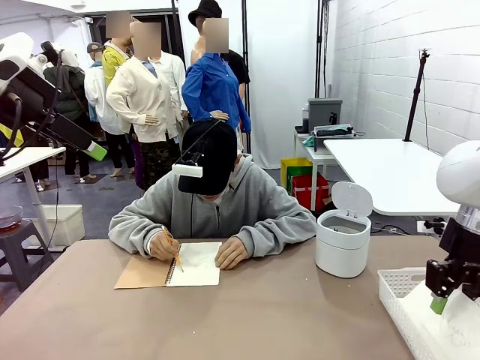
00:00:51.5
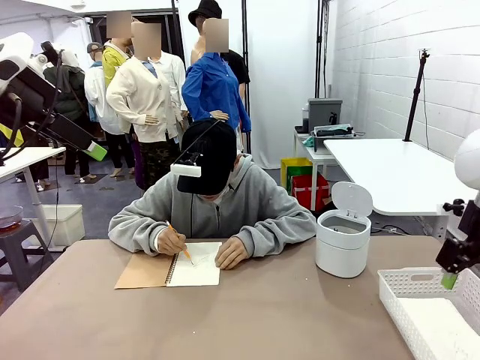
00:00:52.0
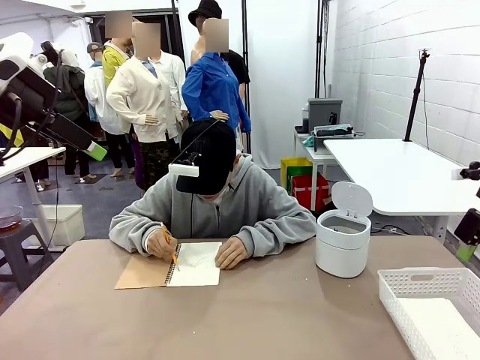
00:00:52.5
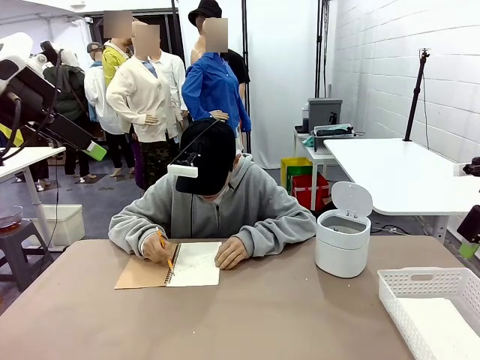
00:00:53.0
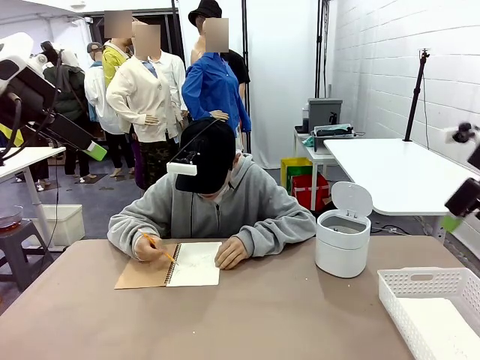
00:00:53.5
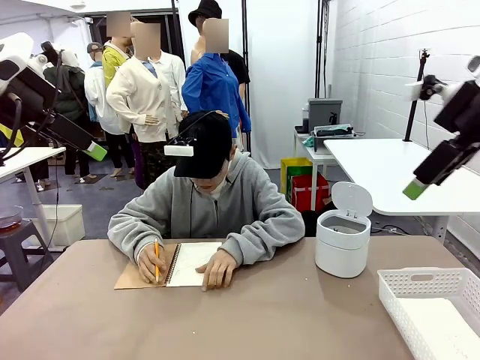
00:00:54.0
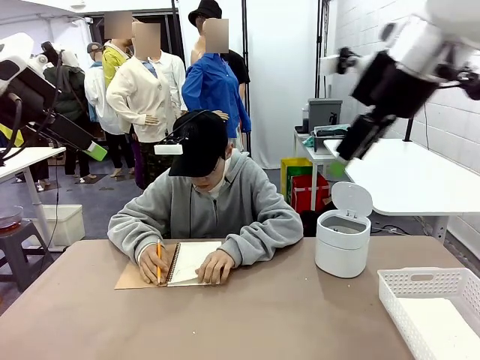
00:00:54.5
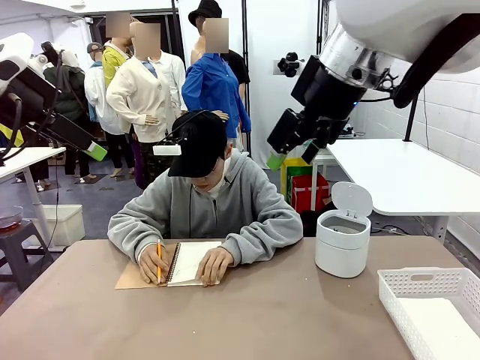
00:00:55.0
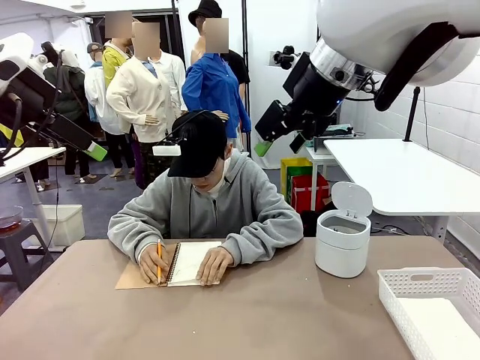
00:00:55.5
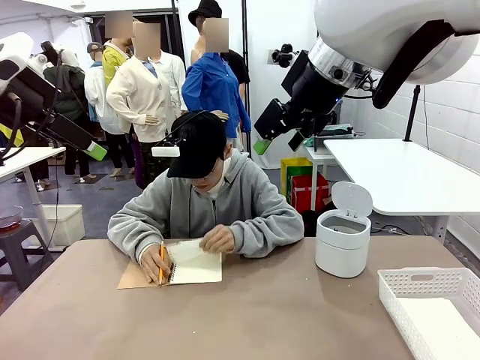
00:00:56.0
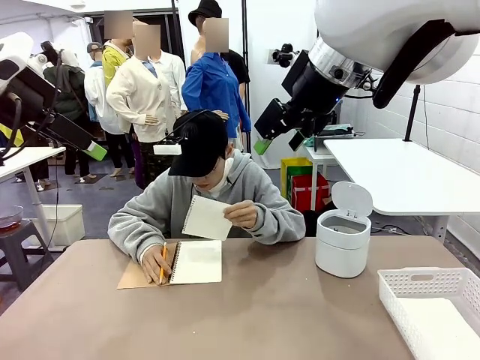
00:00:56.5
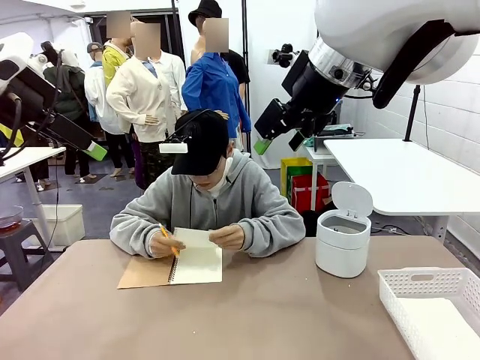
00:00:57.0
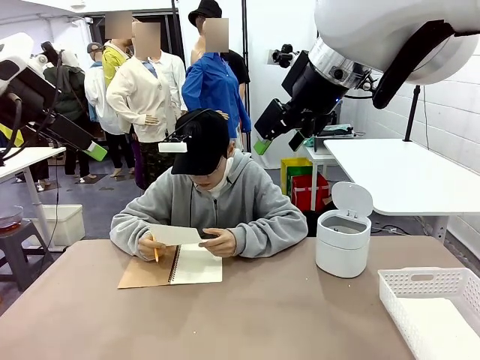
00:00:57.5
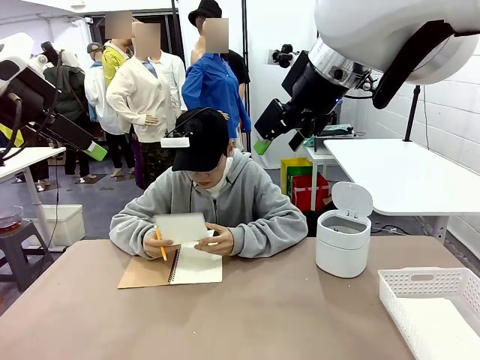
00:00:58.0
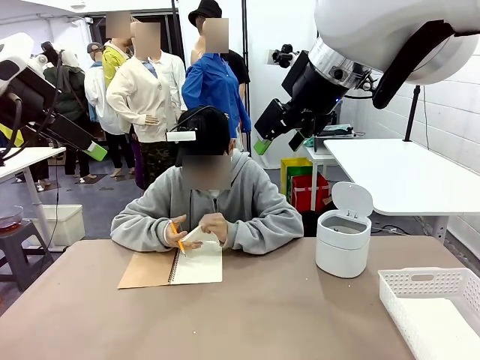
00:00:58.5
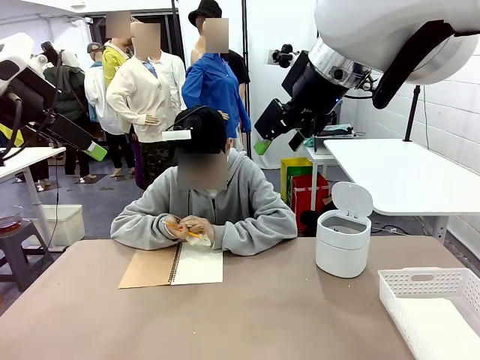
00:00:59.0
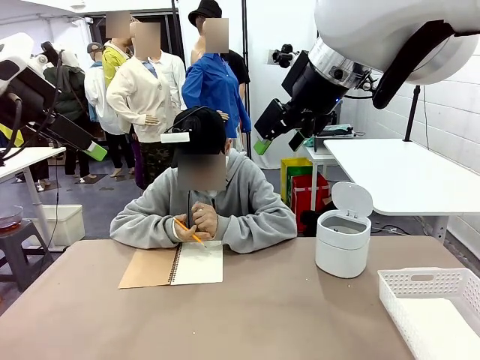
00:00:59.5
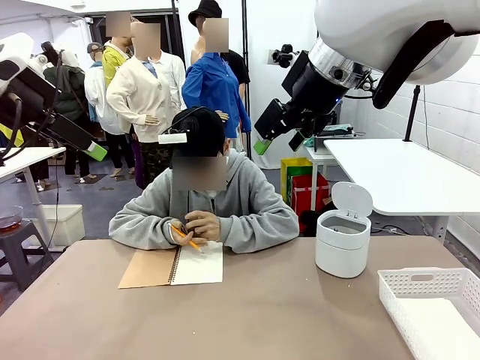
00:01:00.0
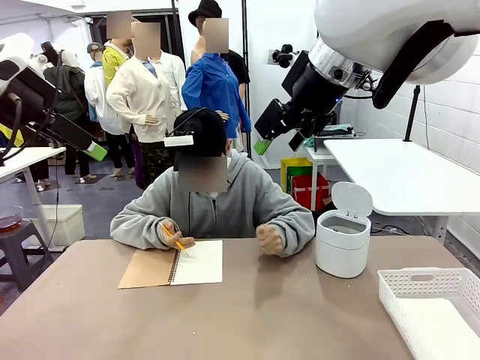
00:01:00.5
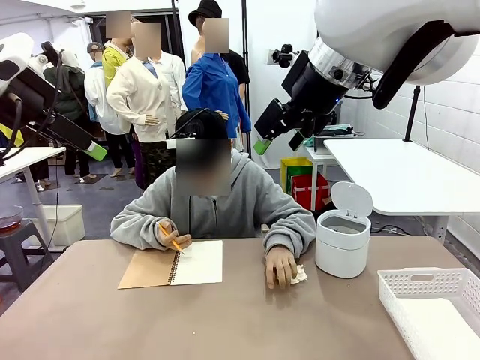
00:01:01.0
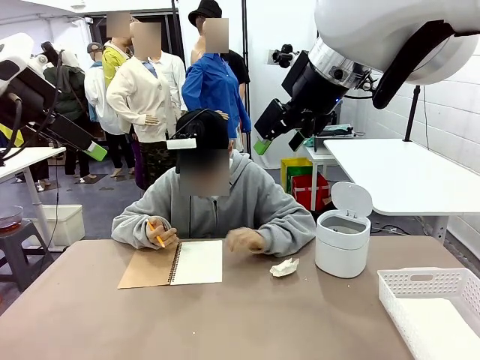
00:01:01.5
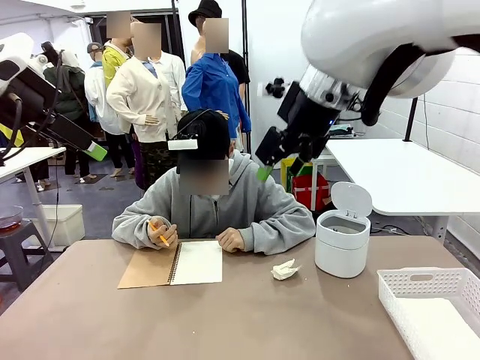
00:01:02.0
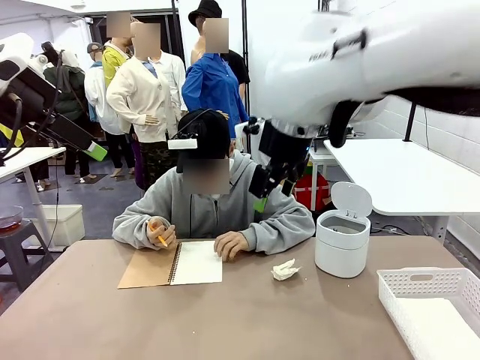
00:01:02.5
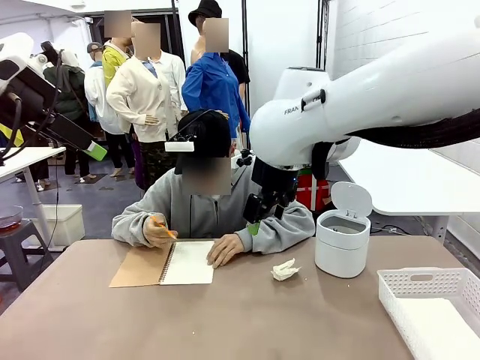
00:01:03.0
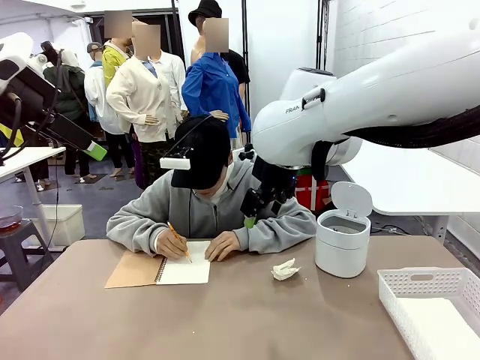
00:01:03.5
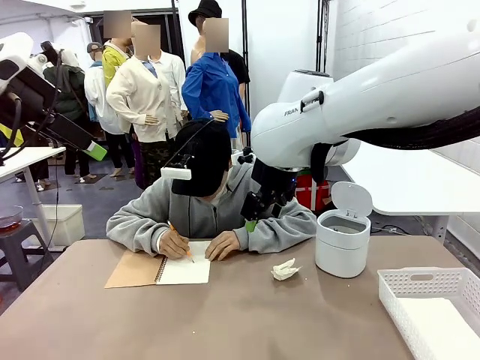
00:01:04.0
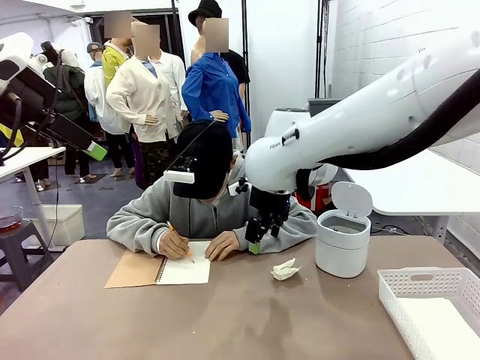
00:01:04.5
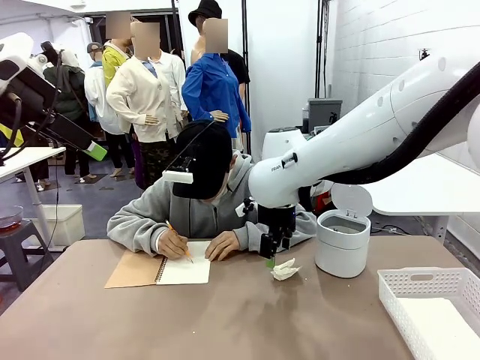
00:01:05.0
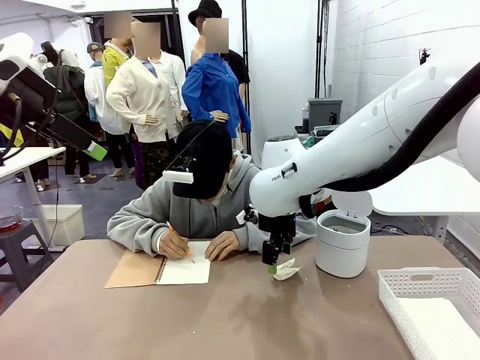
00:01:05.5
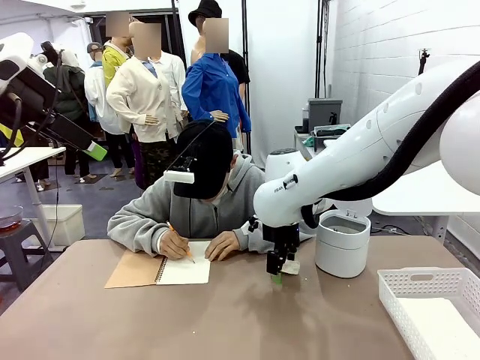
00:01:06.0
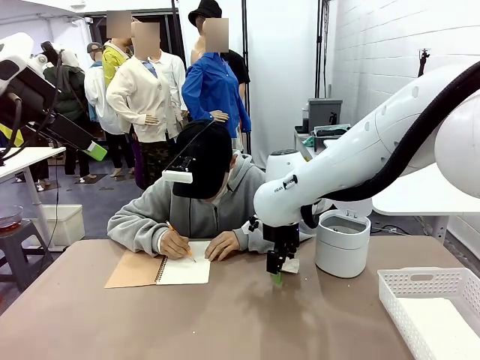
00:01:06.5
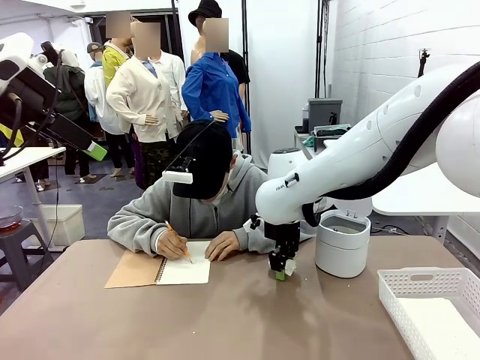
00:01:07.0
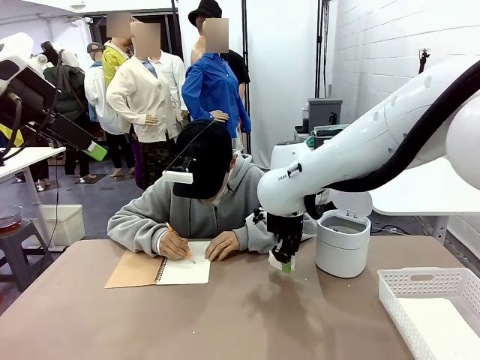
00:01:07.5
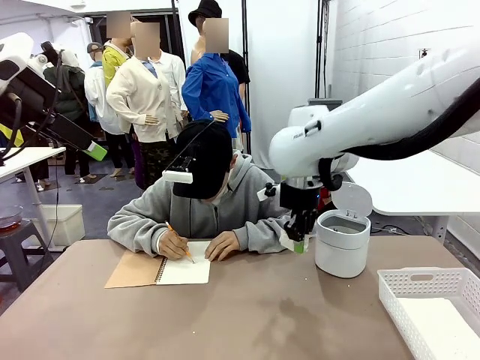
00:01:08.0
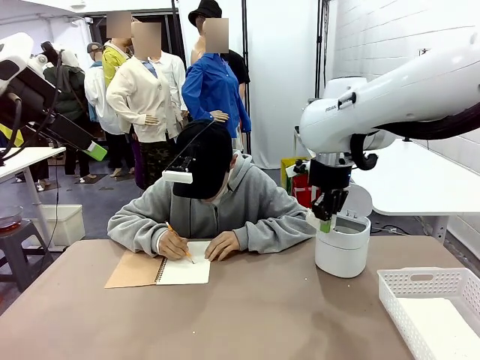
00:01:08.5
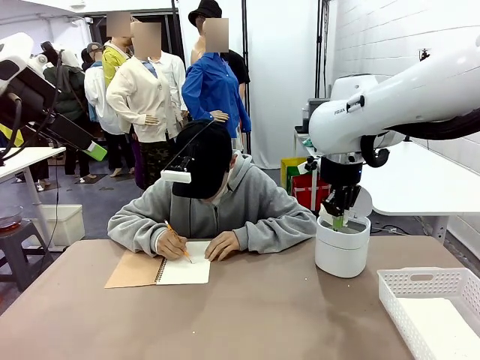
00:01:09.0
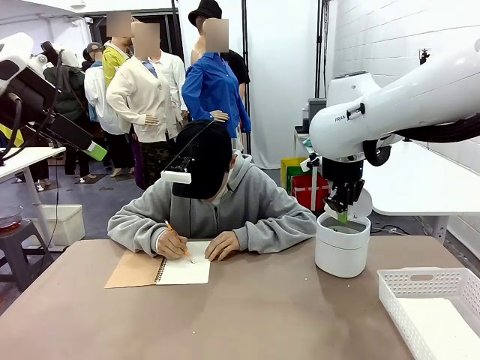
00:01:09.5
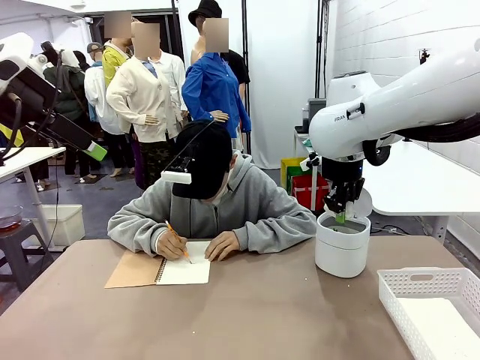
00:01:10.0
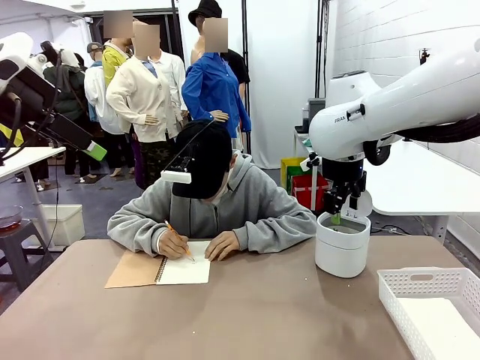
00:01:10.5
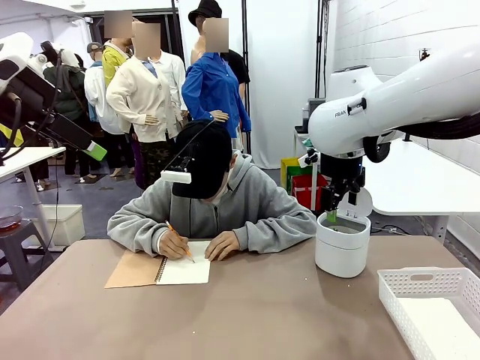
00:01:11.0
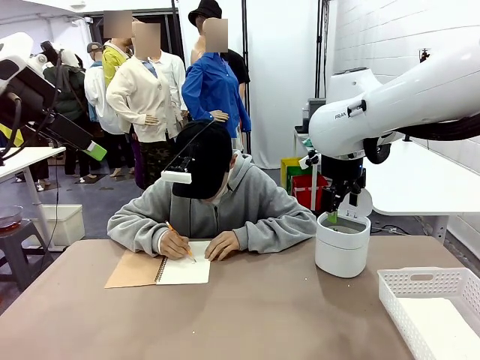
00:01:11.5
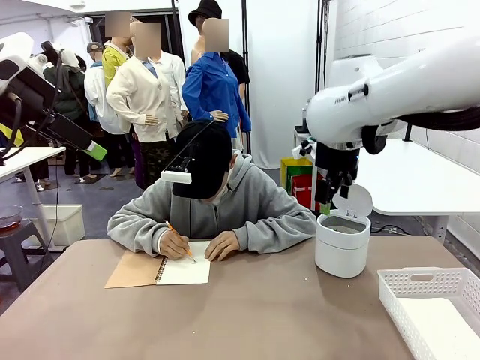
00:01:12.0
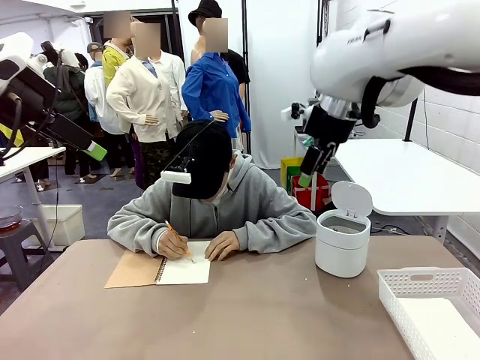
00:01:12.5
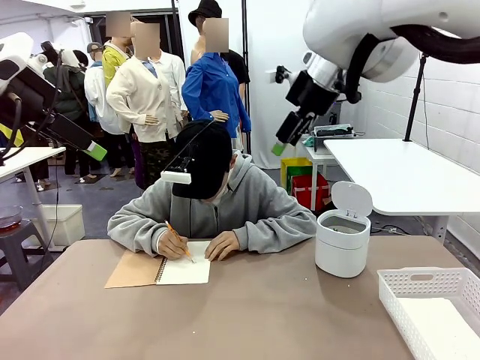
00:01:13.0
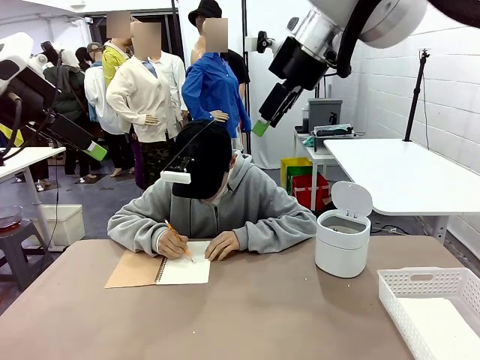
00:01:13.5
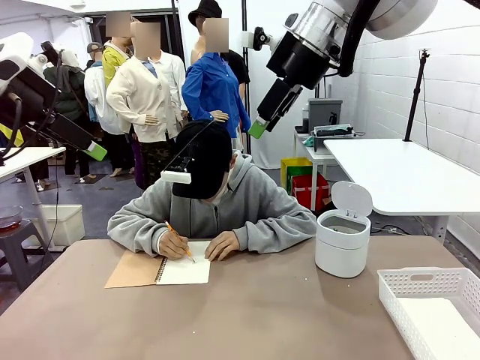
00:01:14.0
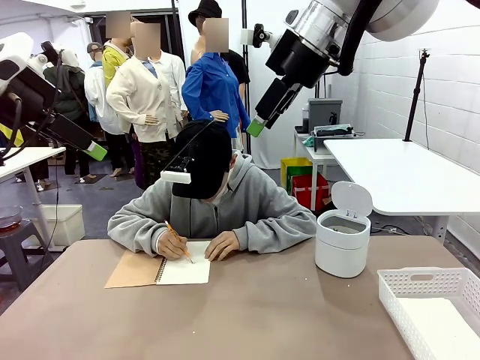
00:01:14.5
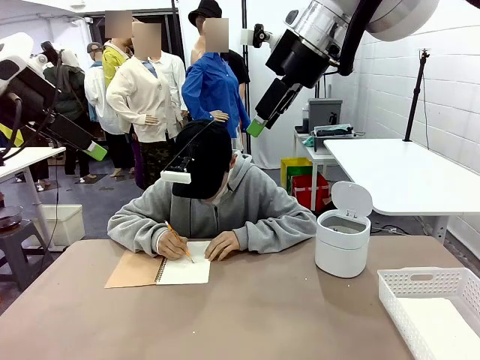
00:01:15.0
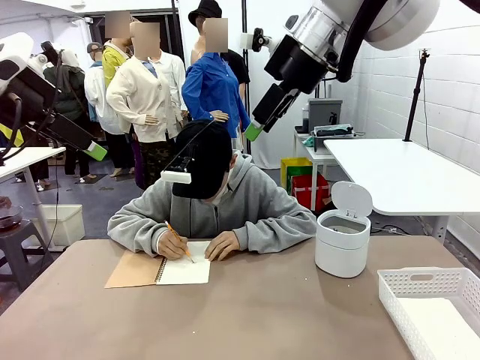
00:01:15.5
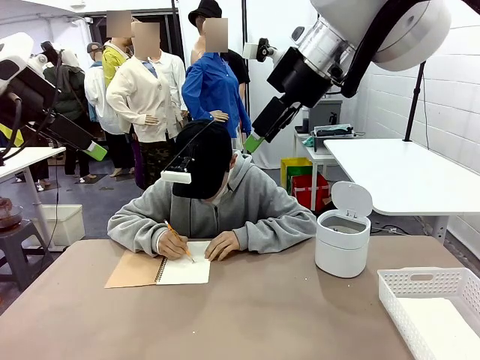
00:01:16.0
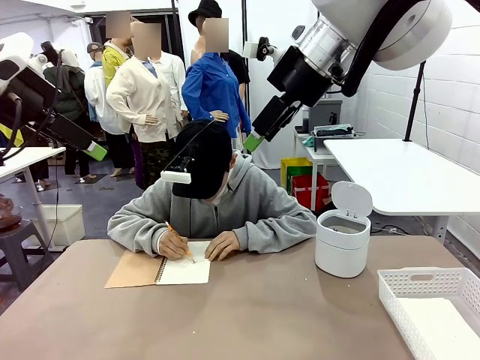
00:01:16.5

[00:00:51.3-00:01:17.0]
Task: Sort the paper based on its condition.
Robot: If a person hands you a paper, place it in the Organizing basket , and if it's crumpled, put it in the Trash can.
Person: Hand the torn page to the robot or crumple it and throw it to the center of the table.
